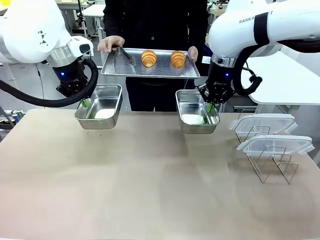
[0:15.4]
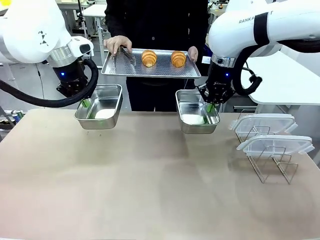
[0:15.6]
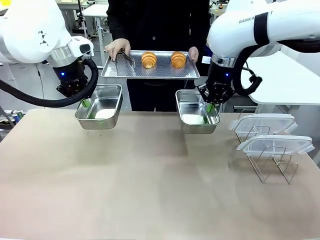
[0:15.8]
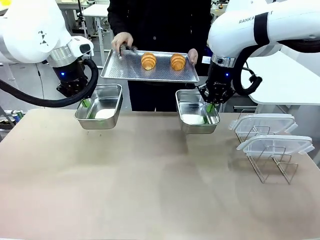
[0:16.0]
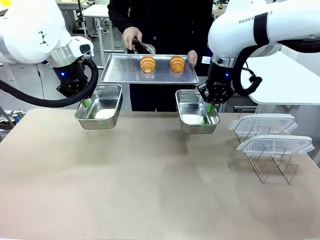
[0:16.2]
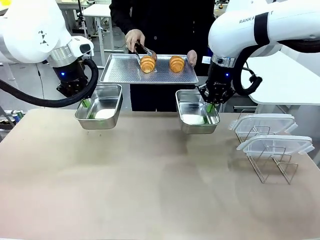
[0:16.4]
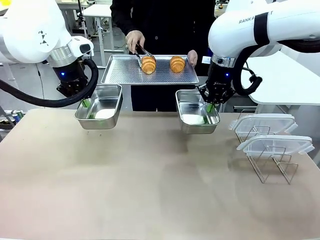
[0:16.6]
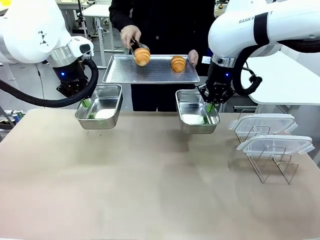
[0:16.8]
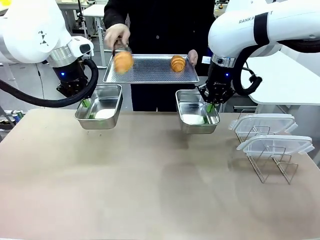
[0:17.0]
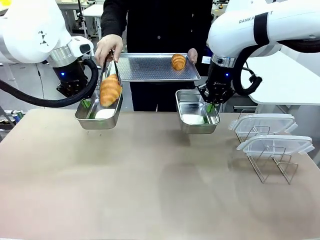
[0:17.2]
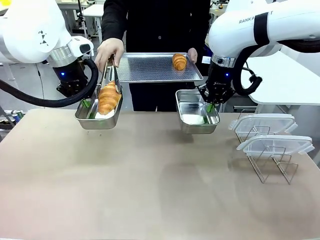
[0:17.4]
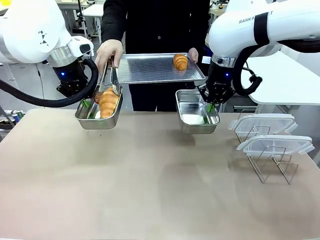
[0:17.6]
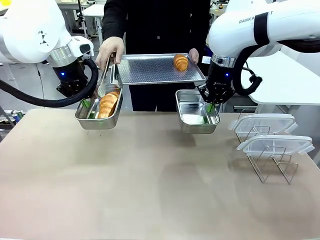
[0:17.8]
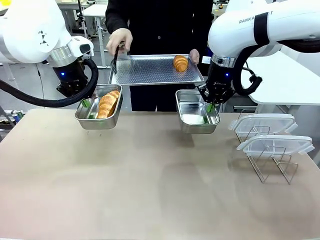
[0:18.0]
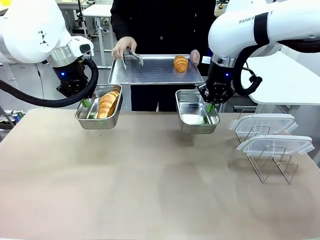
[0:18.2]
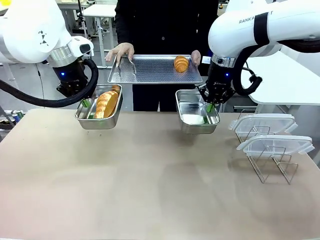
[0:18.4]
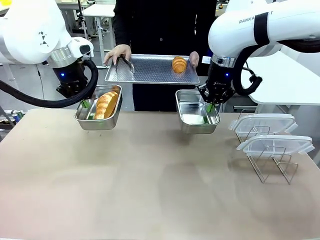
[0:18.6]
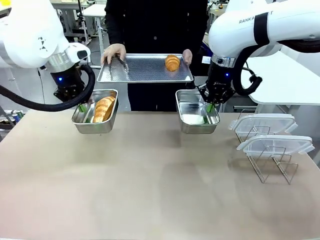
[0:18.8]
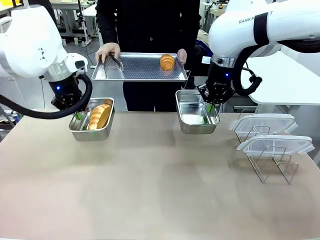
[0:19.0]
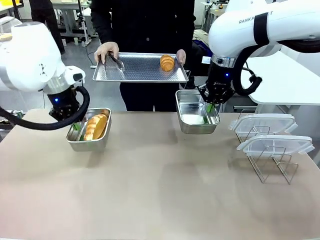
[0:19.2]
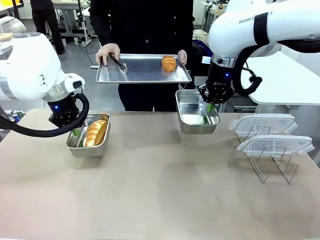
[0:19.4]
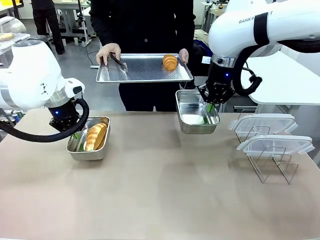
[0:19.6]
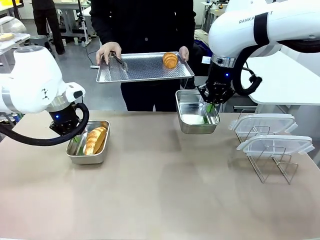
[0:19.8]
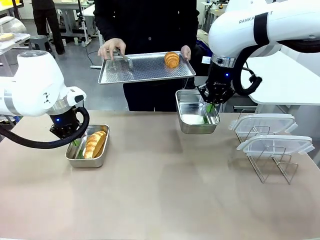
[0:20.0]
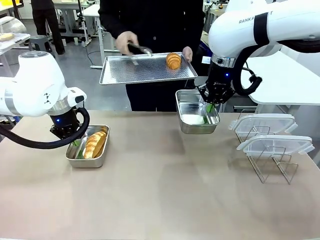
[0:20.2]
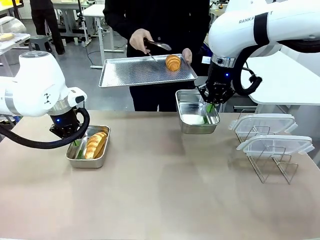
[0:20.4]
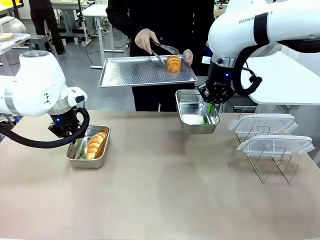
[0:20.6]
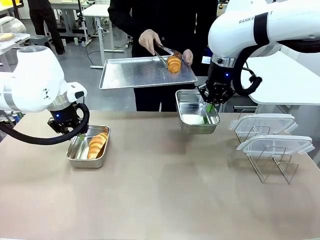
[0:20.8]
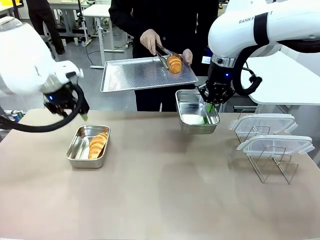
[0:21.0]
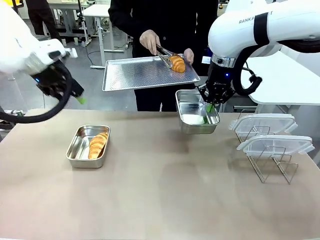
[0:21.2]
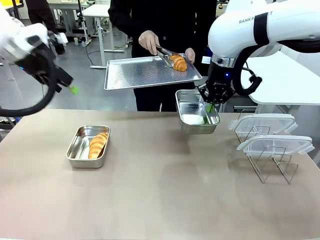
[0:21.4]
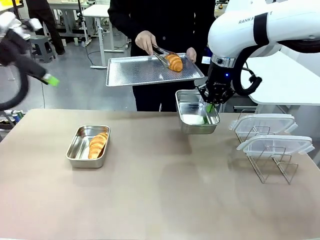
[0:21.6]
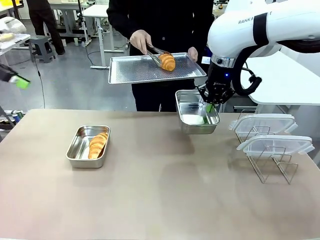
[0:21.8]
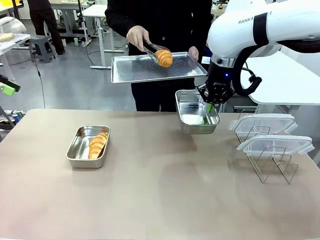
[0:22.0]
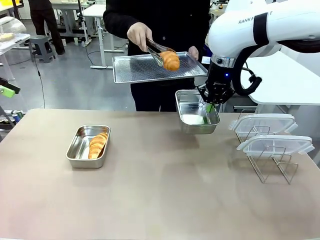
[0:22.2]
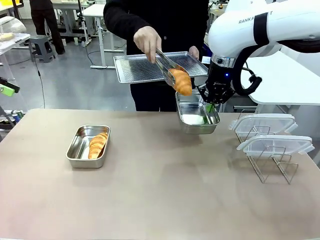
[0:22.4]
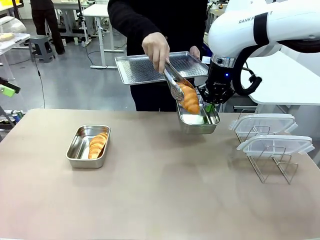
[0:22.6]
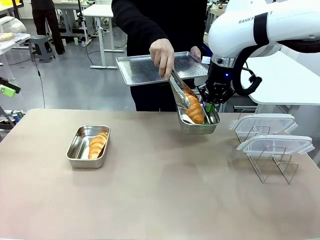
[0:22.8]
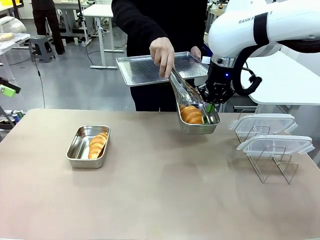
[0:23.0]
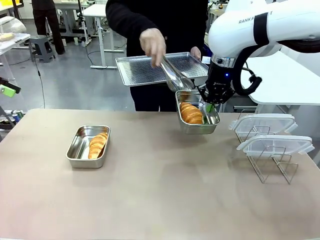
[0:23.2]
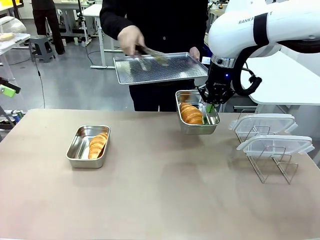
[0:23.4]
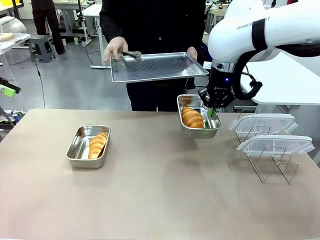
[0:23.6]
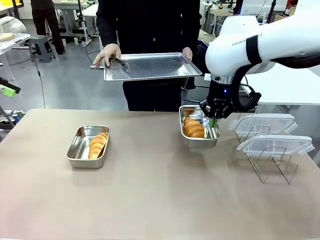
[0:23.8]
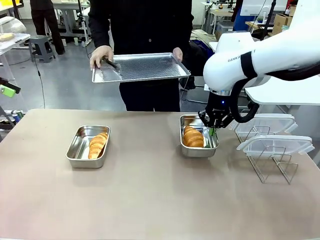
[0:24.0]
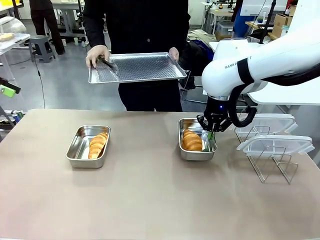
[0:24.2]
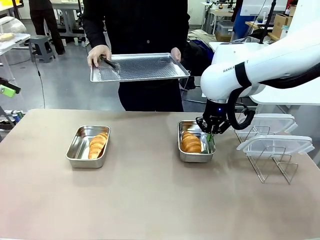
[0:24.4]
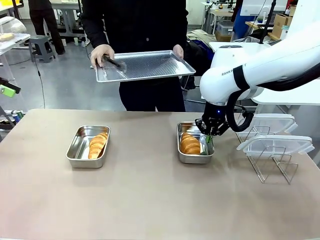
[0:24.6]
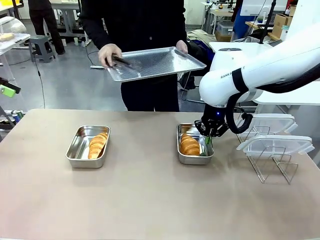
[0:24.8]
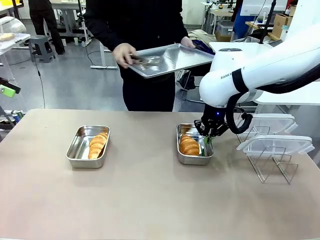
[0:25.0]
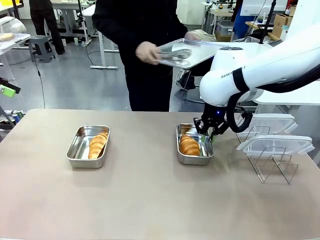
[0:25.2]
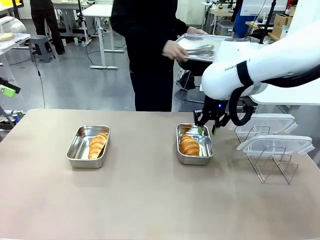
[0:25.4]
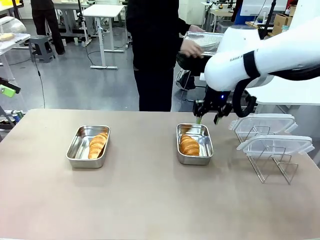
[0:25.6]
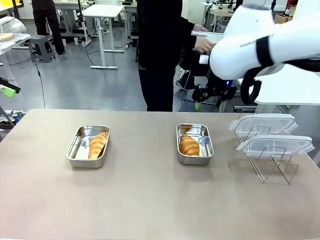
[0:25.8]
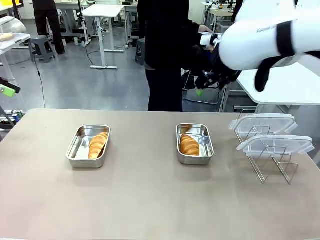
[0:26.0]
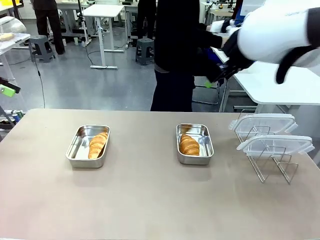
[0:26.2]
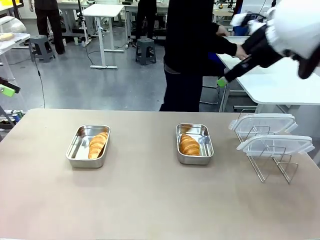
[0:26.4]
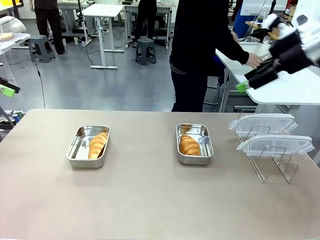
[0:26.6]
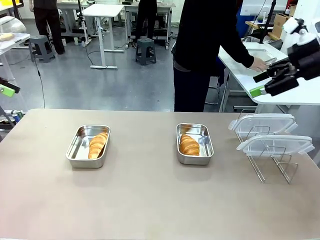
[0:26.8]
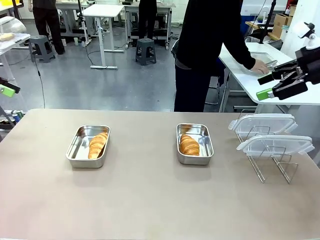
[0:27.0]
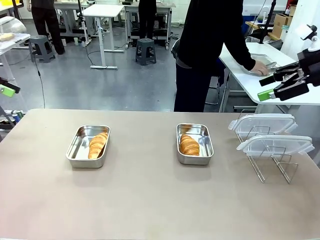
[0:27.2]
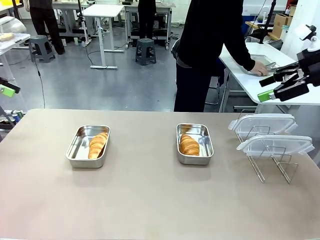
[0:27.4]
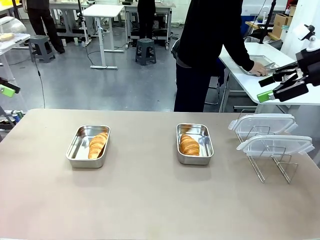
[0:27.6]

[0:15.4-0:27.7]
Task: Place the bread in airtight containers.
Robot: Once an object is inside an Airtight Container , place the container in the center of the table.
Person: Use the Stainless steel tongs to place one object from Baking Sheet into one Airtight Container. Place Baking Sheet on the Human's Table.

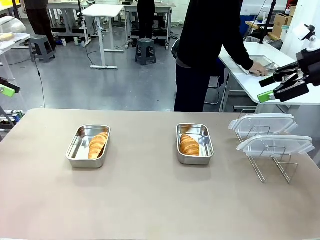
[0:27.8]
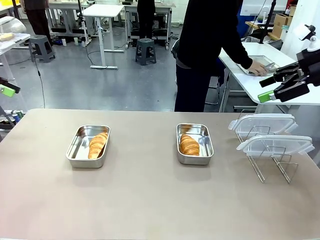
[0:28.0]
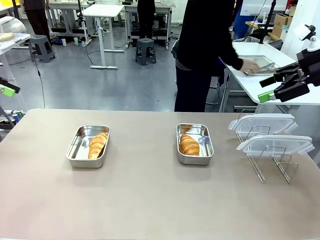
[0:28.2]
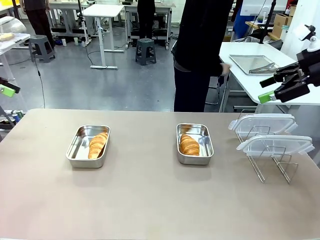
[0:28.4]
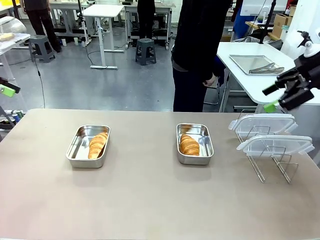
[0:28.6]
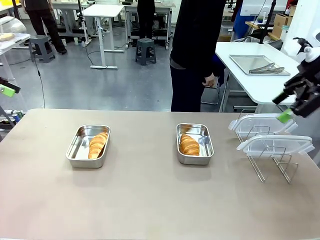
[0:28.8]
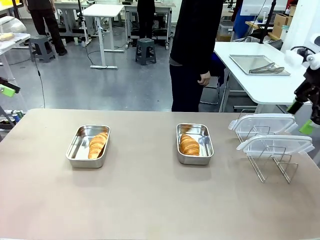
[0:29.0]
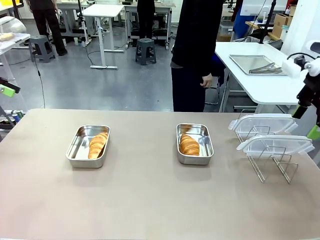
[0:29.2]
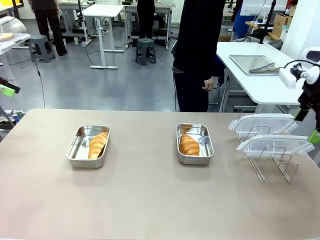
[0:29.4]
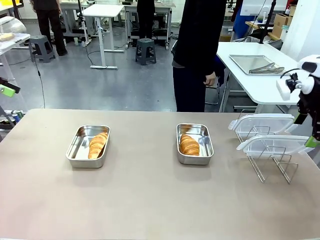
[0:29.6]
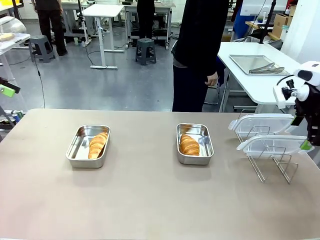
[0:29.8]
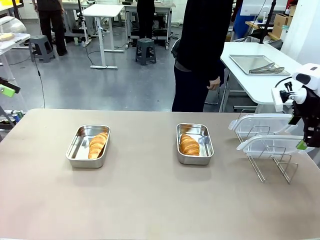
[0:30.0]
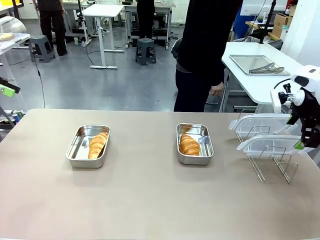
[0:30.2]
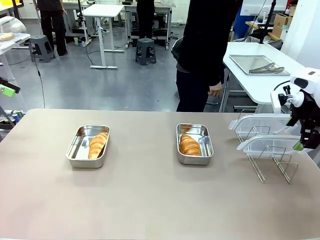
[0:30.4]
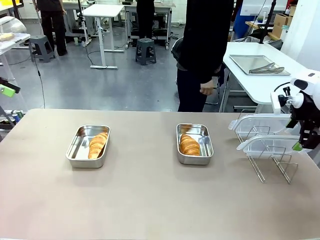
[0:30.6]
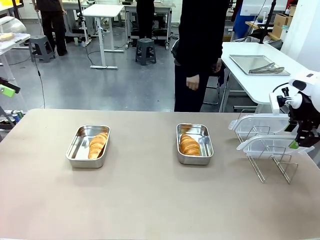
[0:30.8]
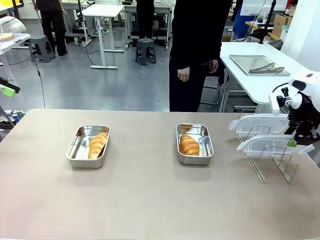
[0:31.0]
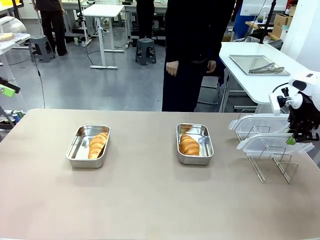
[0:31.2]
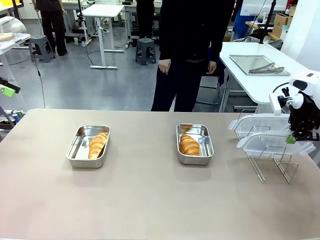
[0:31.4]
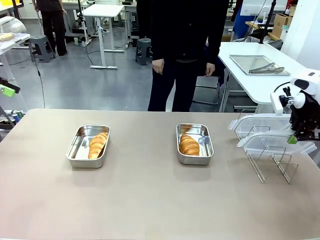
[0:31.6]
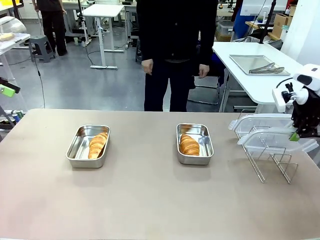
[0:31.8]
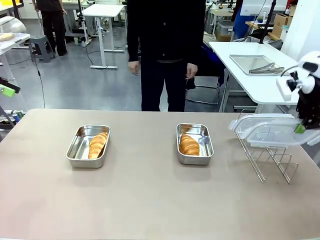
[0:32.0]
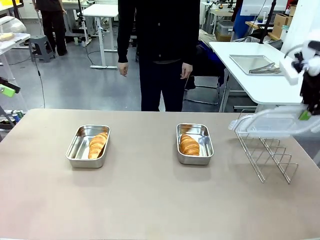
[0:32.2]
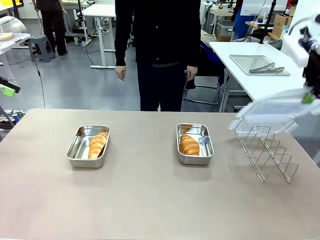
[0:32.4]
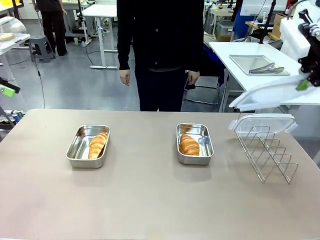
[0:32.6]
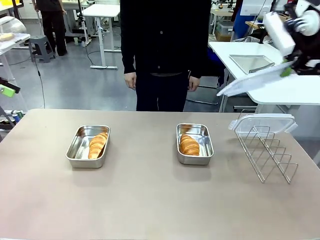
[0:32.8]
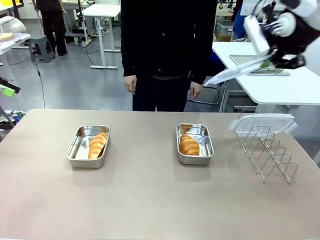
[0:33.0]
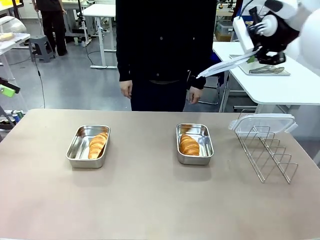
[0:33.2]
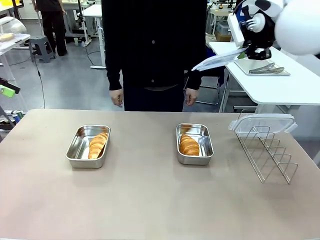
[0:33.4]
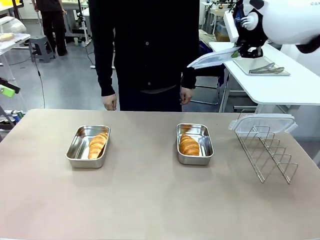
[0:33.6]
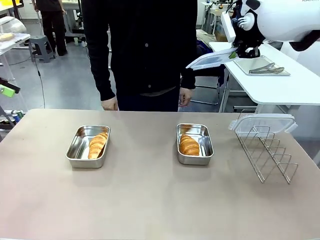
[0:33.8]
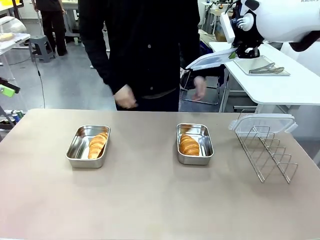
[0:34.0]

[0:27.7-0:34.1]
Robot: Pick up one Airtight Container lid and hand it to the human.
Person: Grip Airtight Container lid that robot is handing.

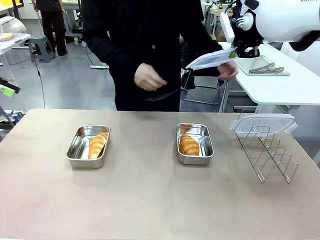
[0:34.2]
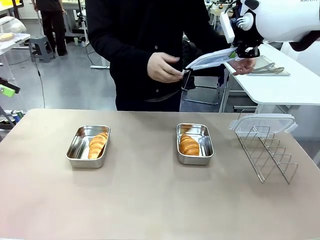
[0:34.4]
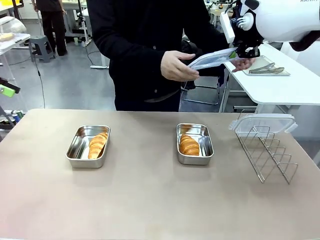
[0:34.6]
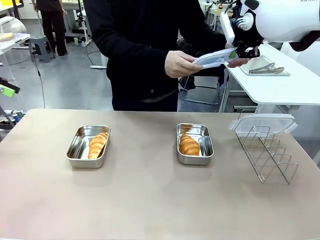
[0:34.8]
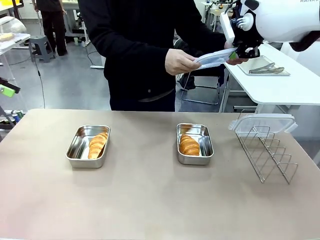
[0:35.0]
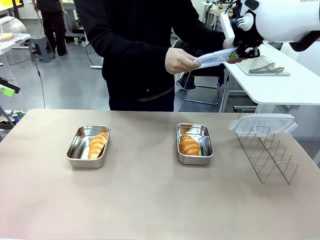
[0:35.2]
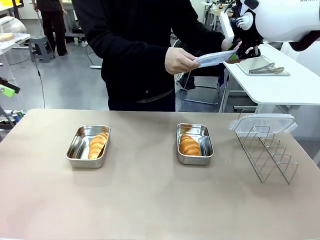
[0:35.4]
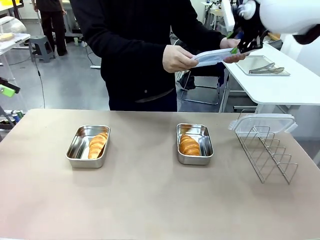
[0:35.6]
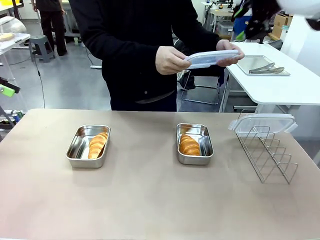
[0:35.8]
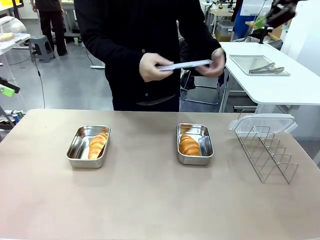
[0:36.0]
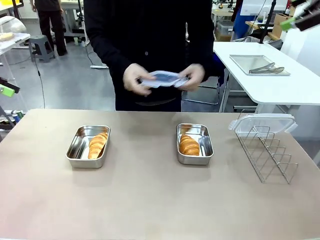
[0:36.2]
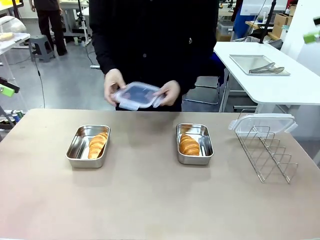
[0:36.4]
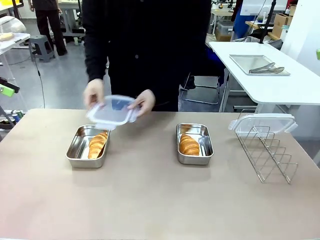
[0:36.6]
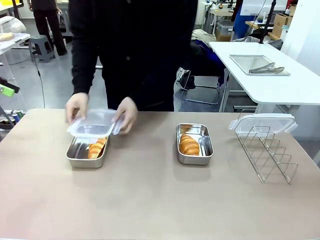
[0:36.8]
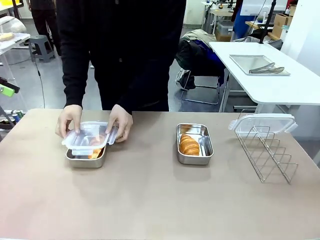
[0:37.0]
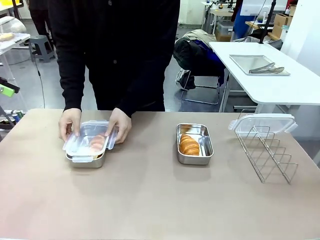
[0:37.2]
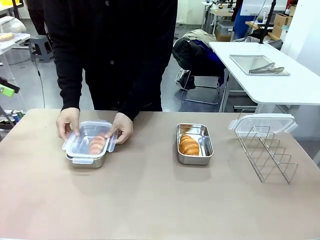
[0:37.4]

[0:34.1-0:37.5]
Robot: Release when the human grabs the Airtight Container lid.
